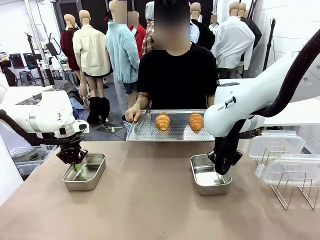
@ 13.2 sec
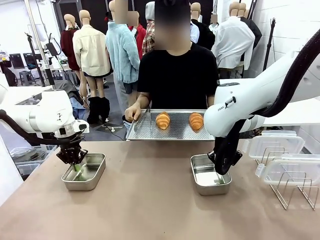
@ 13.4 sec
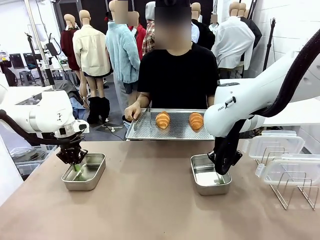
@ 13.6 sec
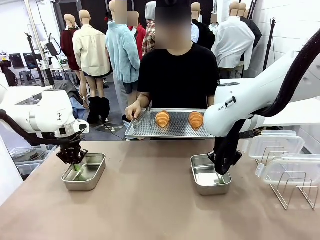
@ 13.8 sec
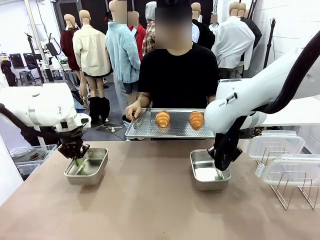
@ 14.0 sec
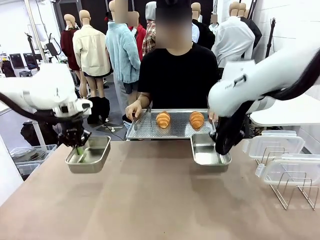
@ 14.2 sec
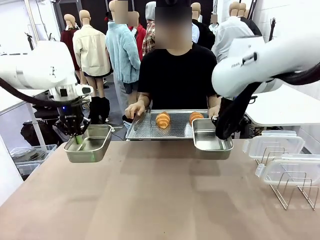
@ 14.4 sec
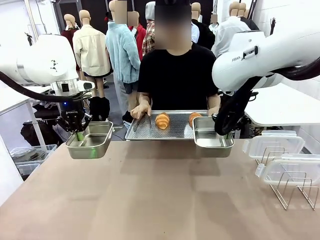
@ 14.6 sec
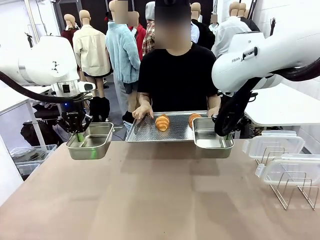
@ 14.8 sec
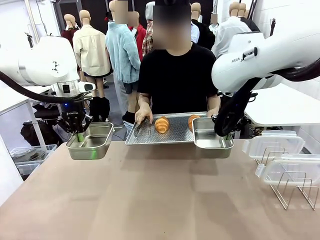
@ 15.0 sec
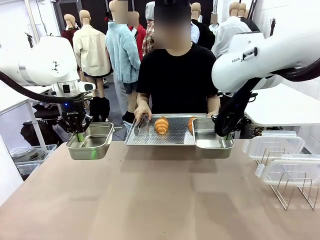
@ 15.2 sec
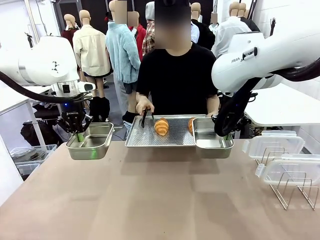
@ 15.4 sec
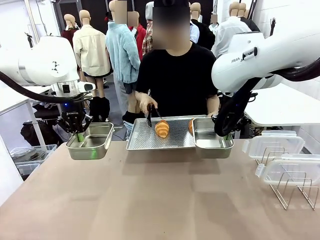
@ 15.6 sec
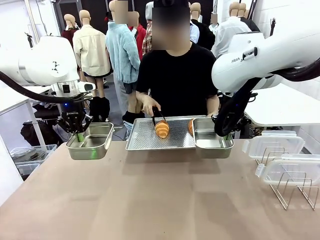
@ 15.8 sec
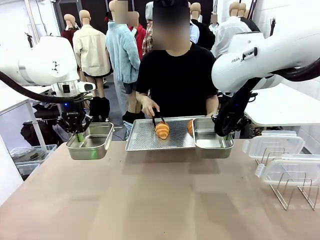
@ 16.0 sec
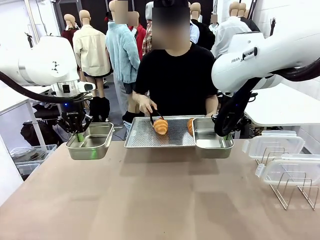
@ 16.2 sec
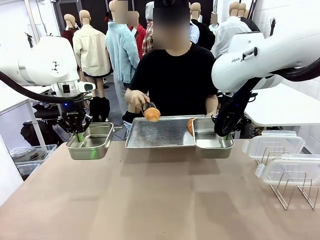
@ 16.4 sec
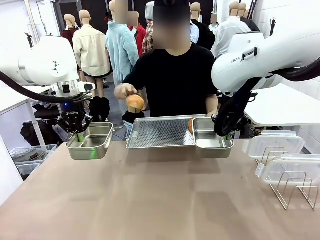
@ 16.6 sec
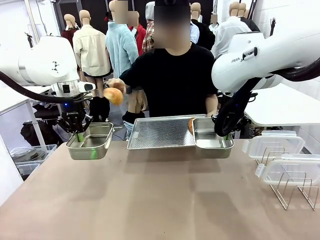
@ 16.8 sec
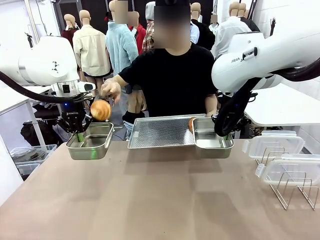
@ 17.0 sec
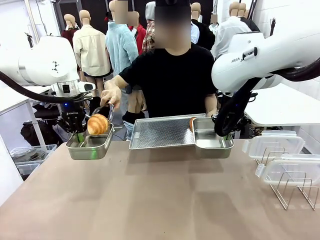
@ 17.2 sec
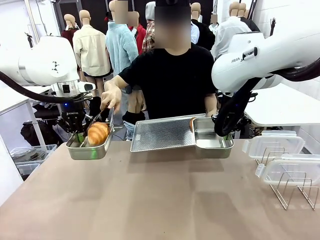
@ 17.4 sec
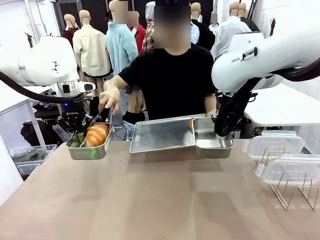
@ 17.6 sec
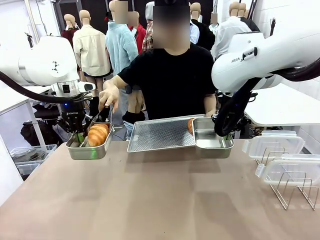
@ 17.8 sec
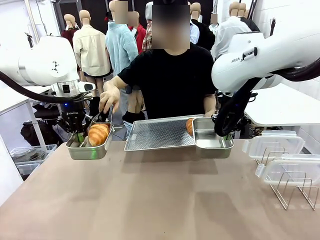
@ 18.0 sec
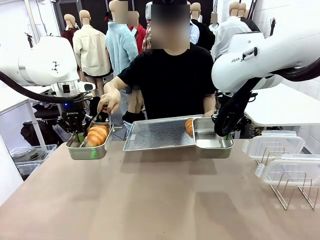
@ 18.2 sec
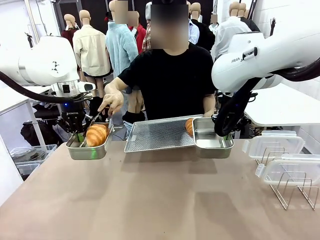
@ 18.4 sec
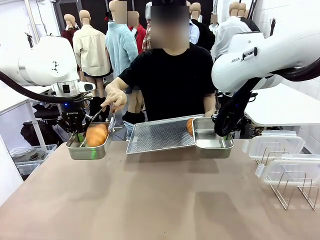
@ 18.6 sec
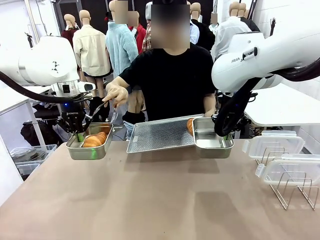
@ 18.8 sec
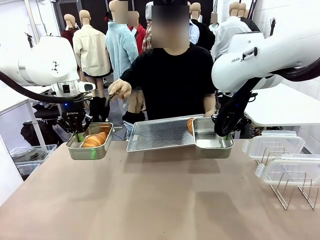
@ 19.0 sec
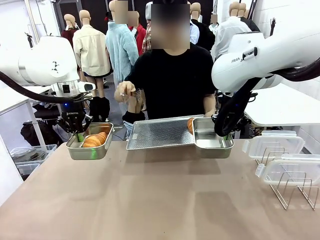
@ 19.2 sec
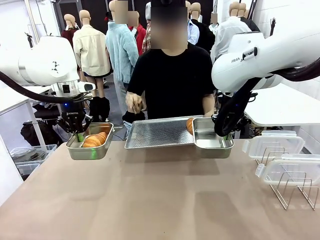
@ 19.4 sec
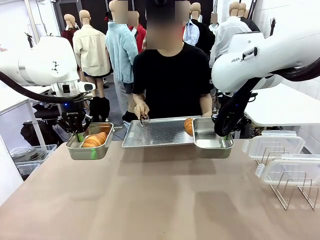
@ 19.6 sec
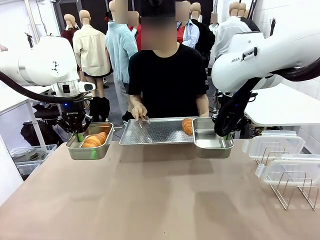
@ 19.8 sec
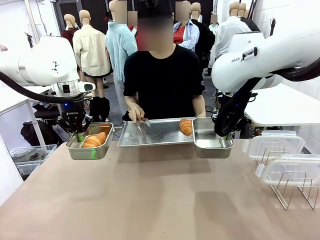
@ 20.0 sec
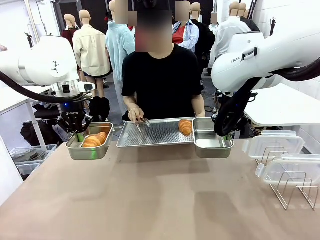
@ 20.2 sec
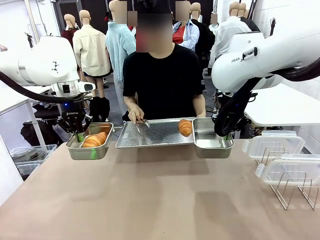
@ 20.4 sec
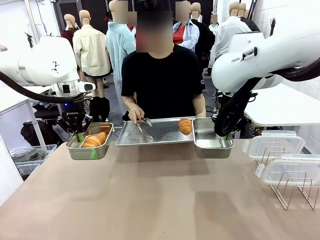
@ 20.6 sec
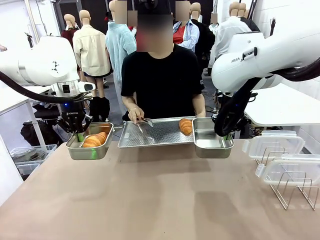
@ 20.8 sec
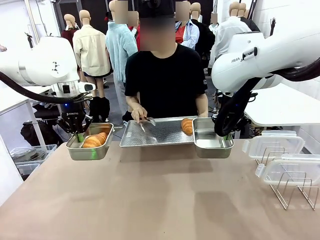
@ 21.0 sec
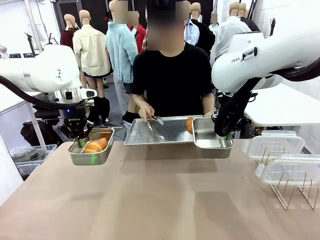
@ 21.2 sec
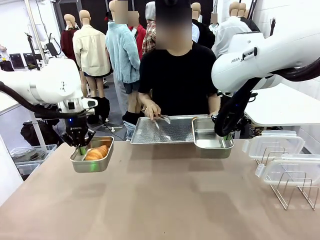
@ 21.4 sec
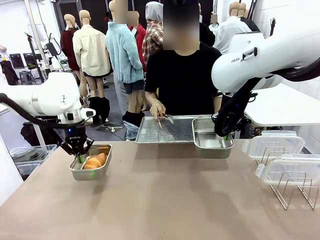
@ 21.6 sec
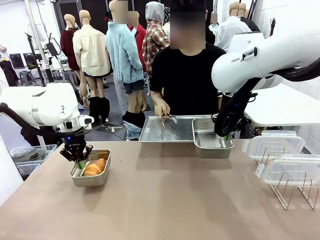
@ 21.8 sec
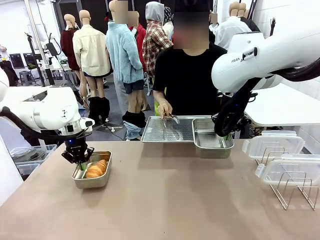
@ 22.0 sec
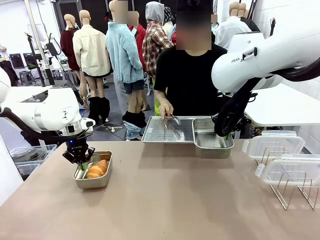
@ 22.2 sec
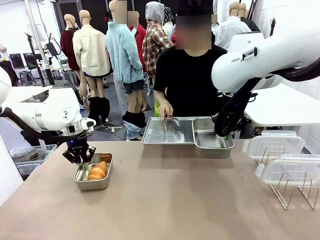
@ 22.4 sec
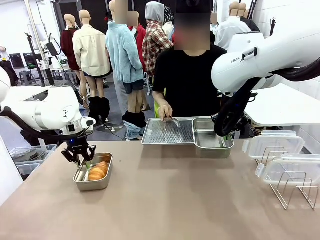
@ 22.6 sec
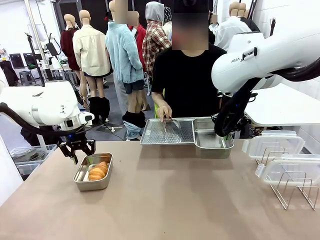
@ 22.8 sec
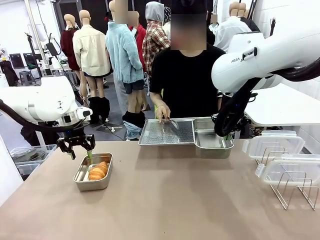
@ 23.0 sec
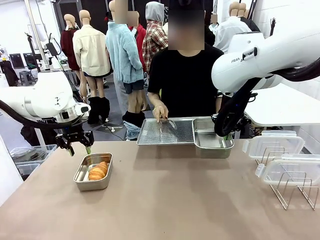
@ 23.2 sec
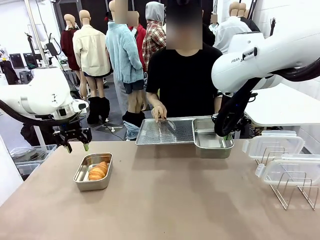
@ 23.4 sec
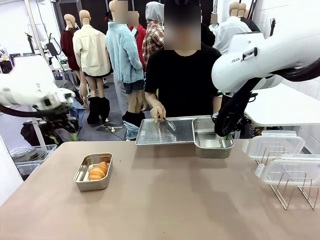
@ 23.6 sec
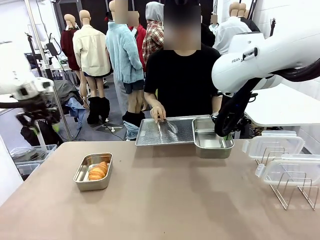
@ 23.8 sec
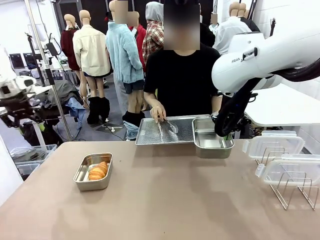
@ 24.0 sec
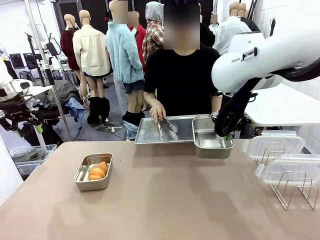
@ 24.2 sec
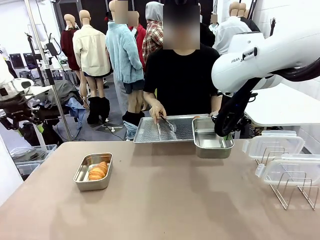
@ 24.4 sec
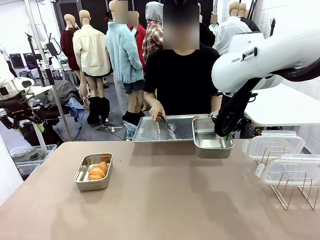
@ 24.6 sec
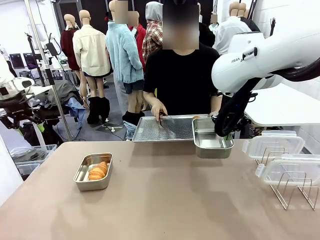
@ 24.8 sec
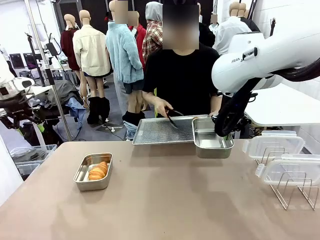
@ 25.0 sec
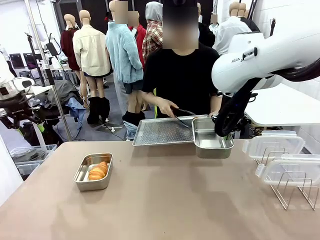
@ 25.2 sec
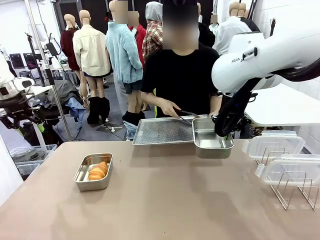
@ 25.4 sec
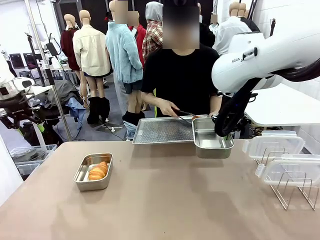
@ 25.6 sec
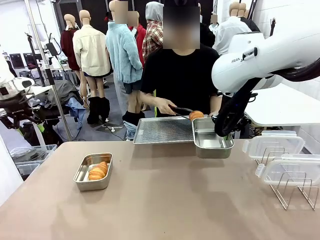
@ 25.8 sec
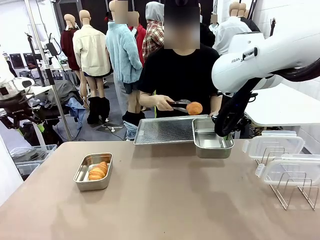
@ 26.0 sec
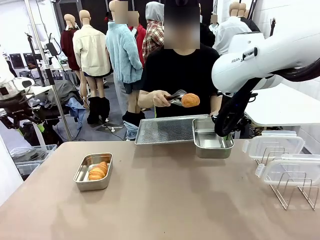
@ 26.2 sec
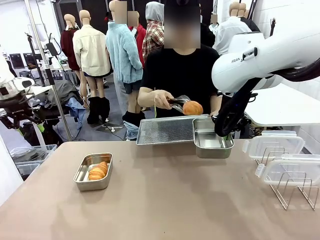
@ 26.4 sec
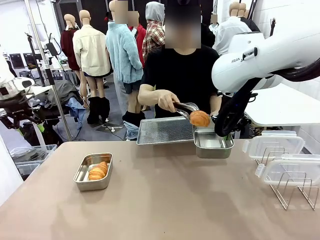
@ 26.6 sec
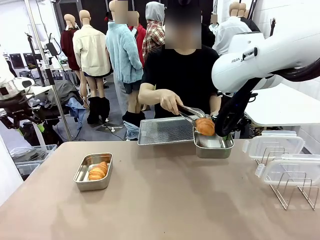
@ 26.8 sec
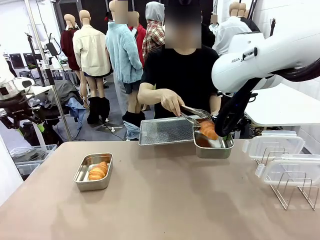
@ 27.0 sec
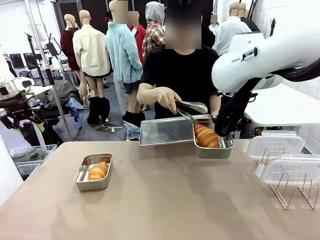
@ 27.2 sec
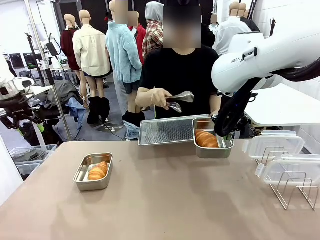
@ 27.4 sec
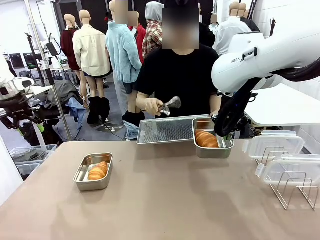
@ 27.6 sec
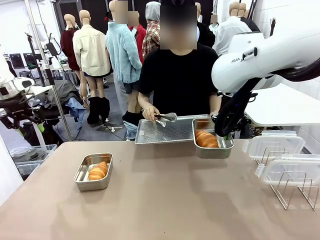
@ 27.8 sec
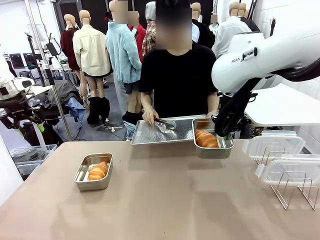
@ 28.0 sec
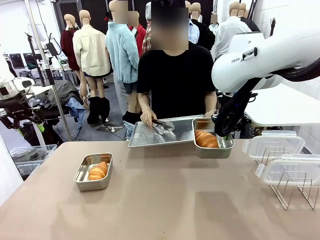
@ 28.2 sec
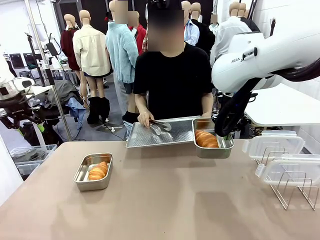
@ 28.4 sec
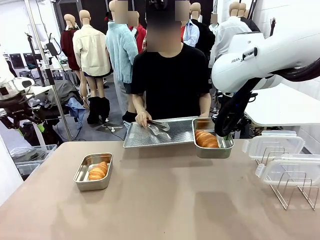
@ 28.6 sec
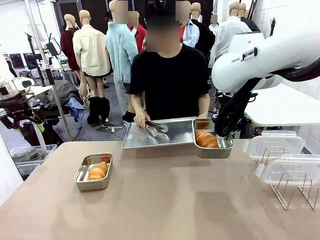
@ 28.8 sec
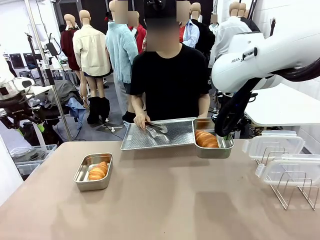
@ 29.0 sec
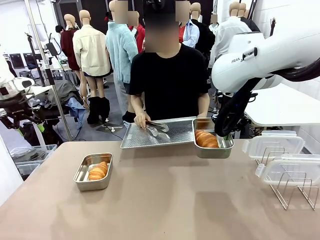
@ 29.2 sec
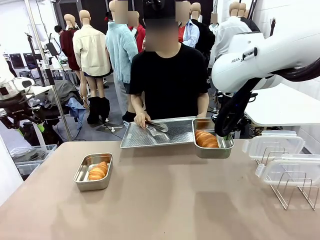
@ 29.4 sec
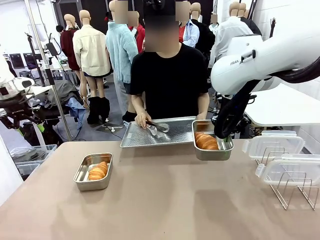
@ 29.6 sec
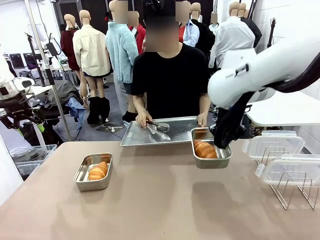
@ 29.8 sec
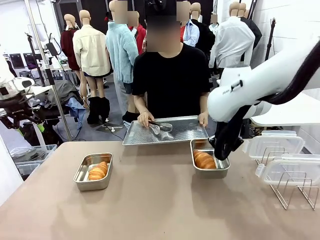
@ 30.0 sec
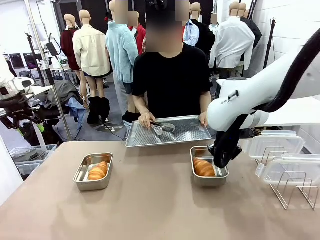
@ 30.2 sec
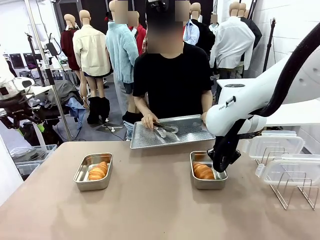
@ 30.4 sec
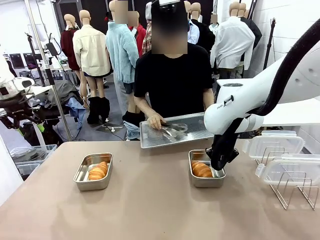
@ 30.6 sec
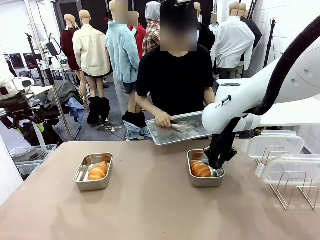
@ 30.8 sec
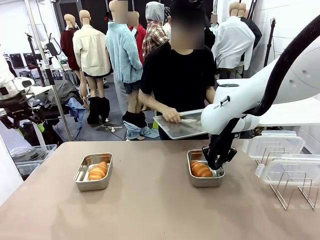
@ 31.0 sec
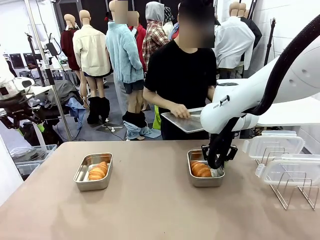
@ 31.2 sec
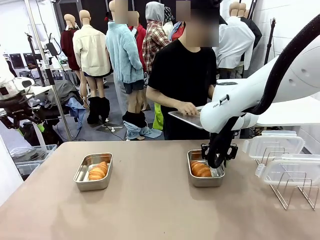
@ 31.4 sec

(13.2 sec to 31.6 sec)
Task: Place the bread in airtight containers.
Robot: Once an object is inside an Airtight Container , place the container in the center of the table.
Person: Use the Stainless steel tongs to place one object from Baking Sheet into one Airtight Container.
